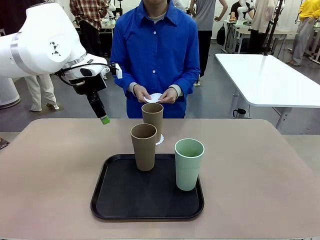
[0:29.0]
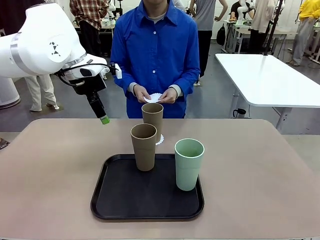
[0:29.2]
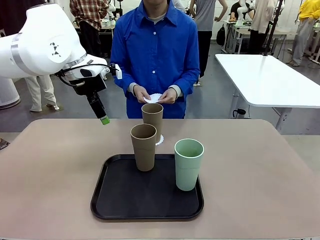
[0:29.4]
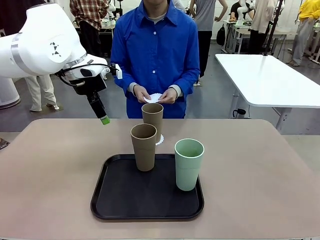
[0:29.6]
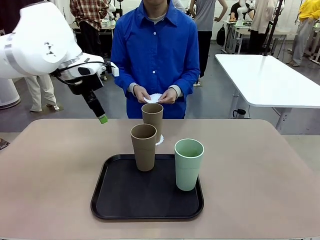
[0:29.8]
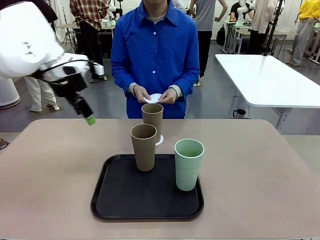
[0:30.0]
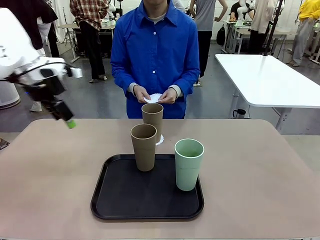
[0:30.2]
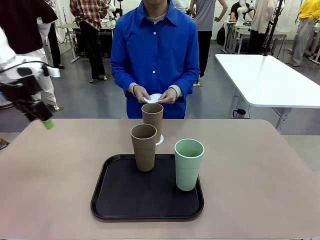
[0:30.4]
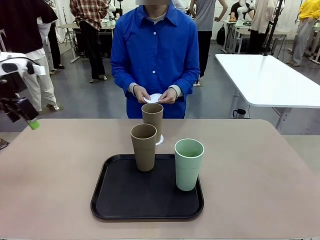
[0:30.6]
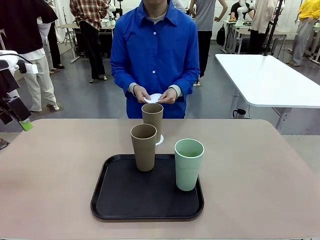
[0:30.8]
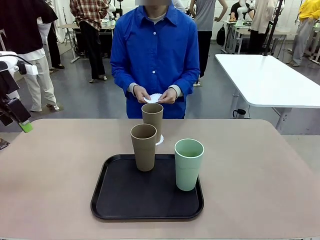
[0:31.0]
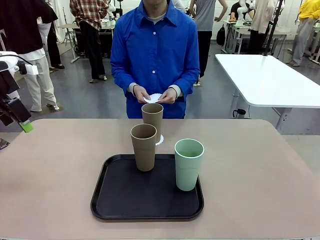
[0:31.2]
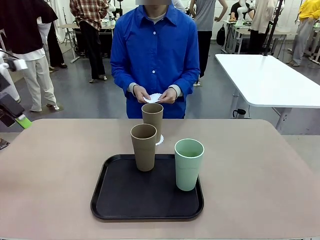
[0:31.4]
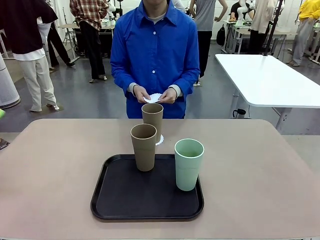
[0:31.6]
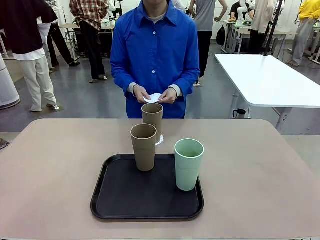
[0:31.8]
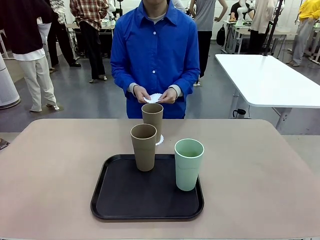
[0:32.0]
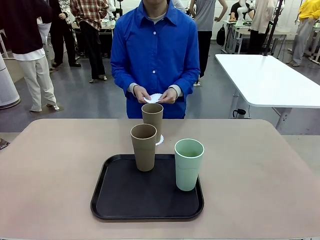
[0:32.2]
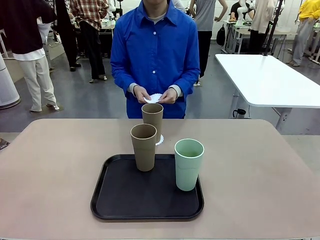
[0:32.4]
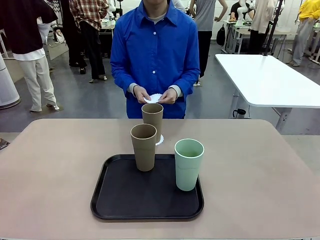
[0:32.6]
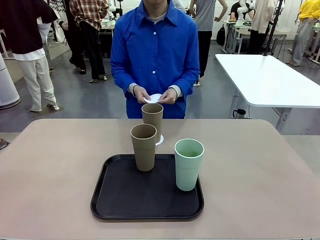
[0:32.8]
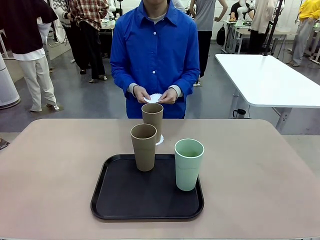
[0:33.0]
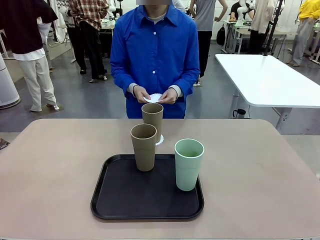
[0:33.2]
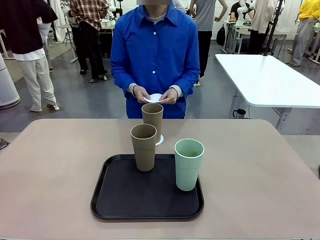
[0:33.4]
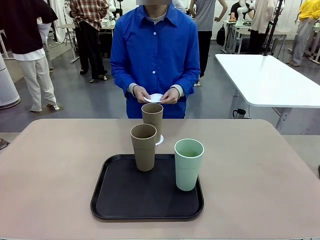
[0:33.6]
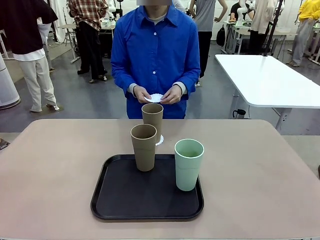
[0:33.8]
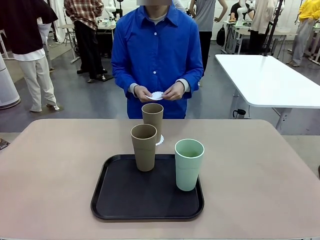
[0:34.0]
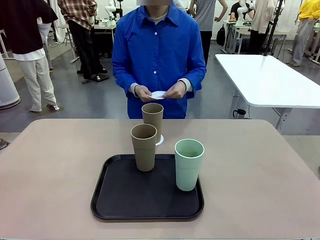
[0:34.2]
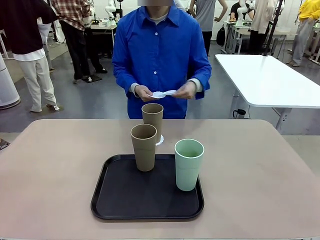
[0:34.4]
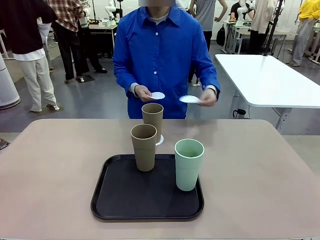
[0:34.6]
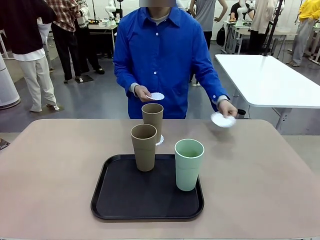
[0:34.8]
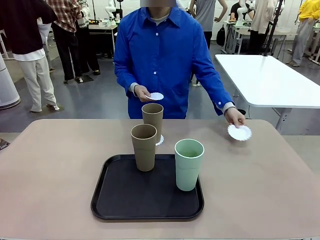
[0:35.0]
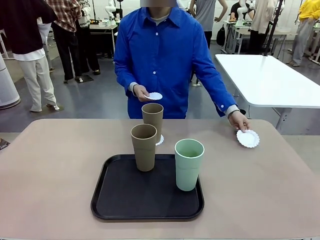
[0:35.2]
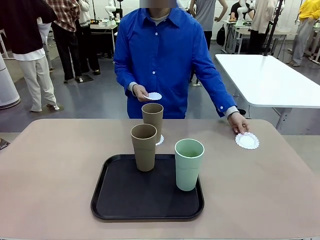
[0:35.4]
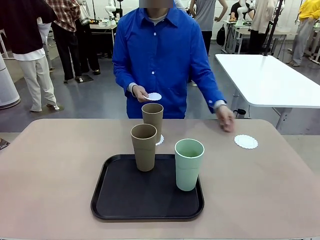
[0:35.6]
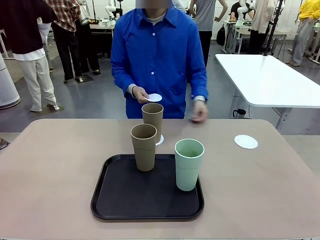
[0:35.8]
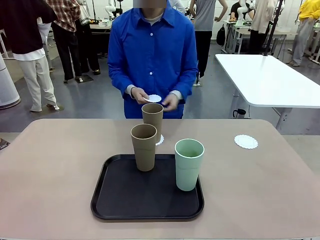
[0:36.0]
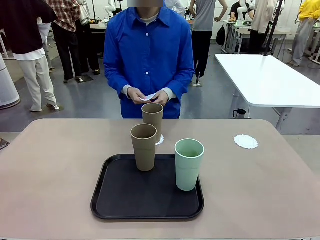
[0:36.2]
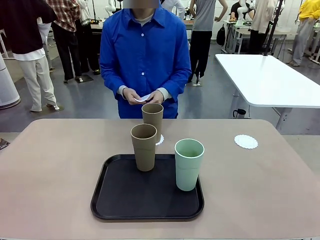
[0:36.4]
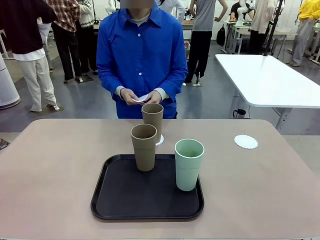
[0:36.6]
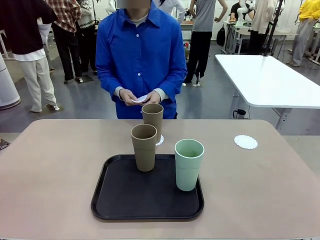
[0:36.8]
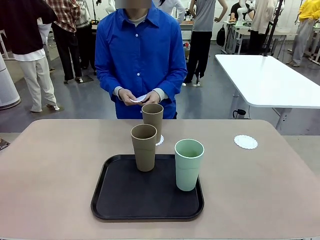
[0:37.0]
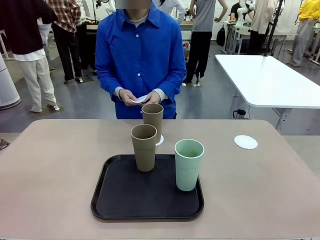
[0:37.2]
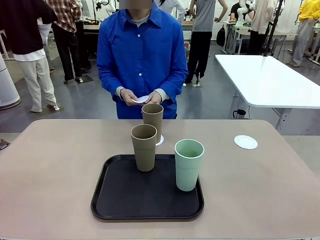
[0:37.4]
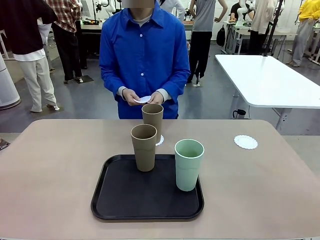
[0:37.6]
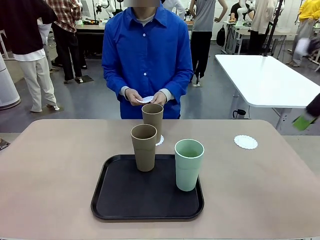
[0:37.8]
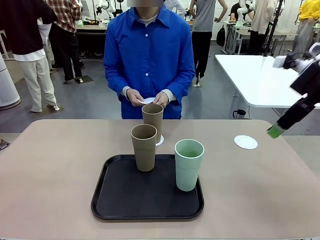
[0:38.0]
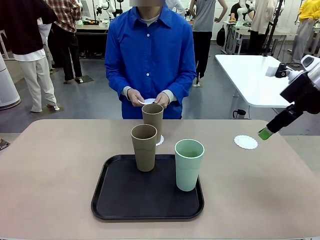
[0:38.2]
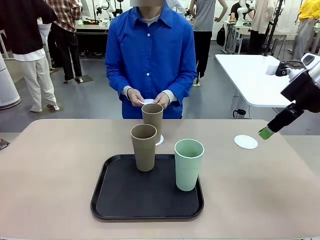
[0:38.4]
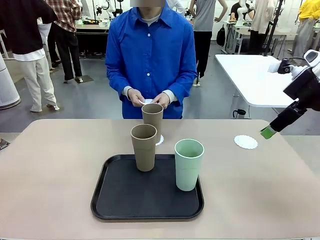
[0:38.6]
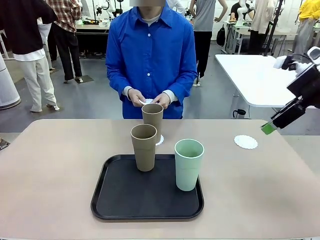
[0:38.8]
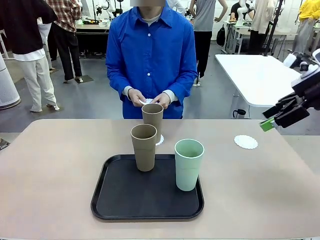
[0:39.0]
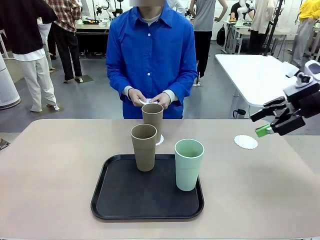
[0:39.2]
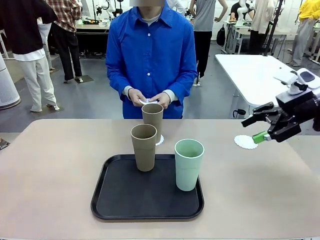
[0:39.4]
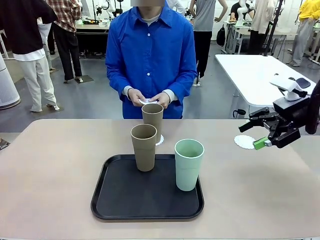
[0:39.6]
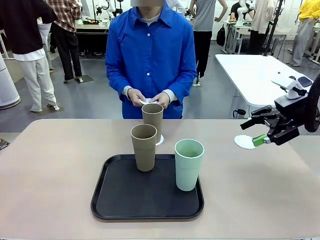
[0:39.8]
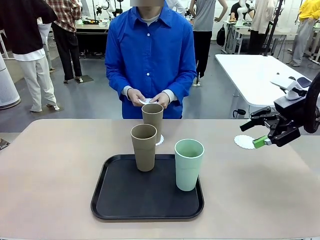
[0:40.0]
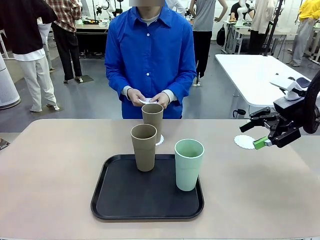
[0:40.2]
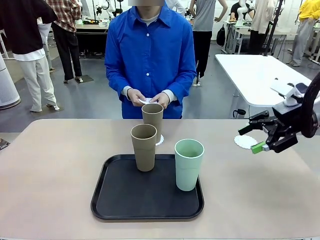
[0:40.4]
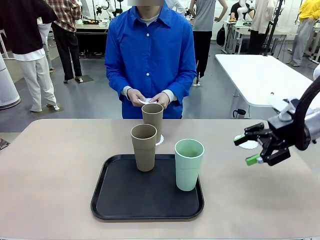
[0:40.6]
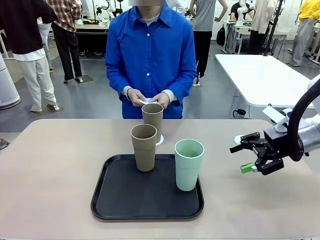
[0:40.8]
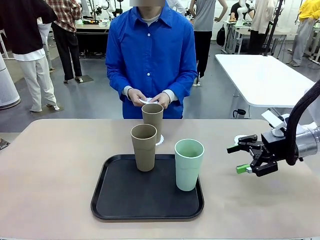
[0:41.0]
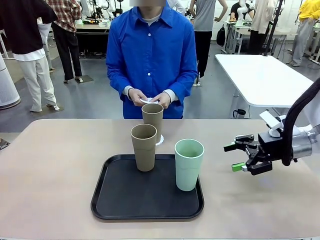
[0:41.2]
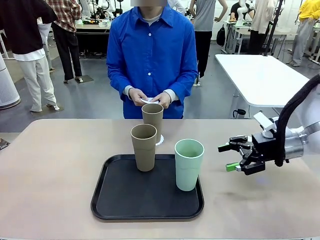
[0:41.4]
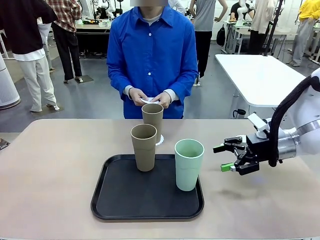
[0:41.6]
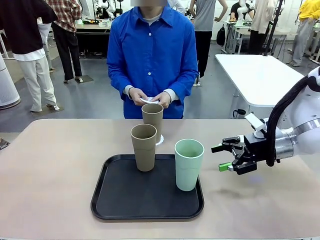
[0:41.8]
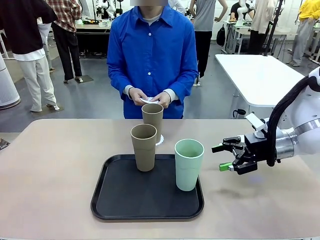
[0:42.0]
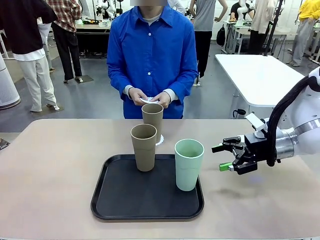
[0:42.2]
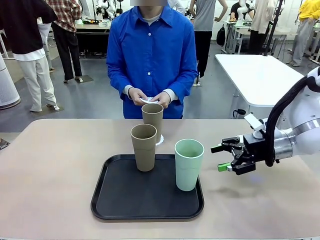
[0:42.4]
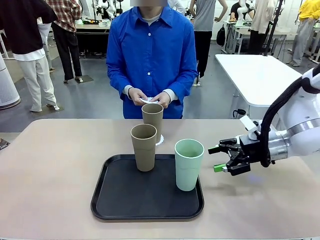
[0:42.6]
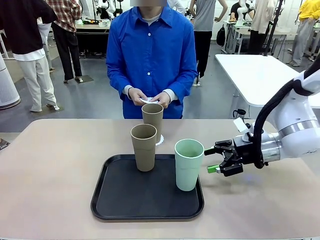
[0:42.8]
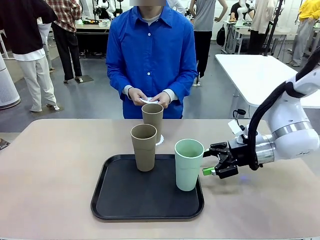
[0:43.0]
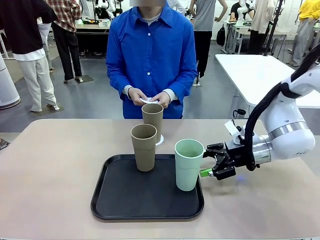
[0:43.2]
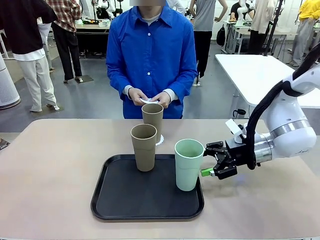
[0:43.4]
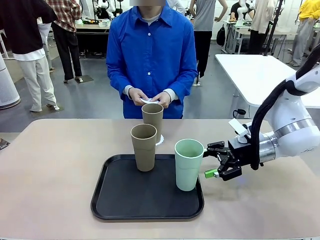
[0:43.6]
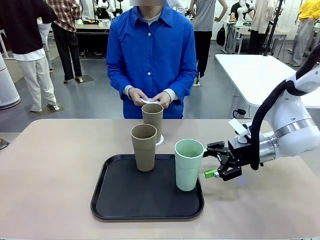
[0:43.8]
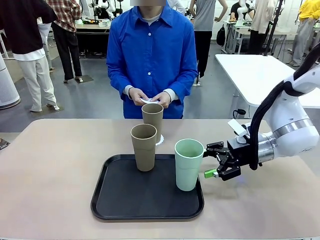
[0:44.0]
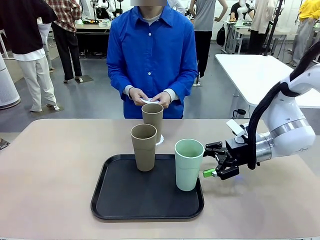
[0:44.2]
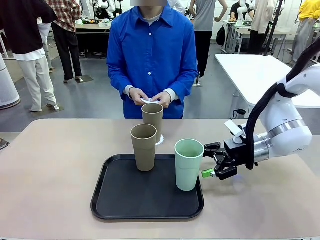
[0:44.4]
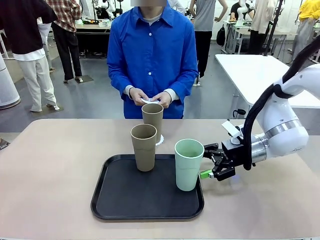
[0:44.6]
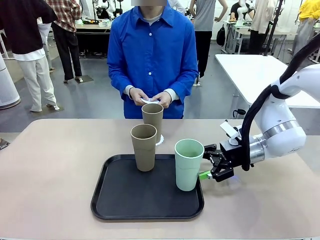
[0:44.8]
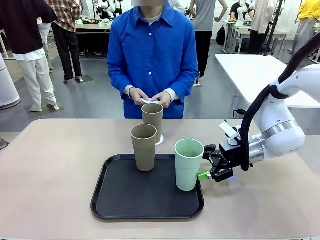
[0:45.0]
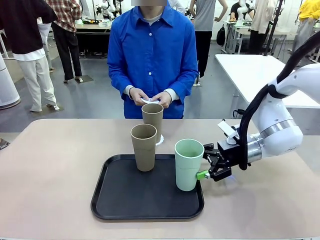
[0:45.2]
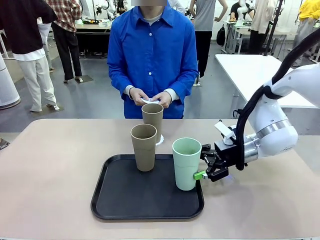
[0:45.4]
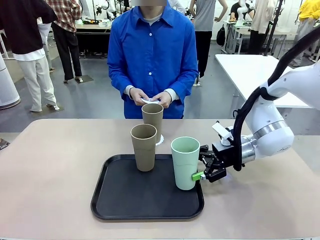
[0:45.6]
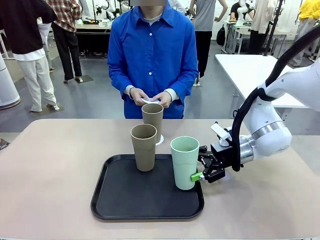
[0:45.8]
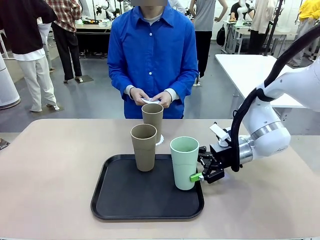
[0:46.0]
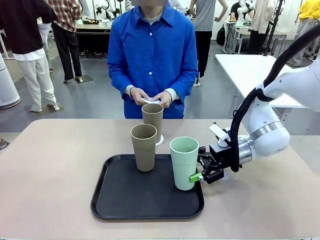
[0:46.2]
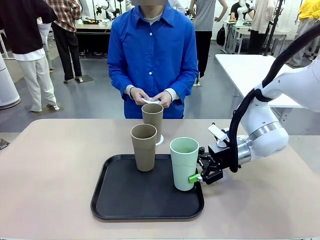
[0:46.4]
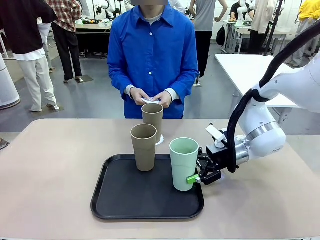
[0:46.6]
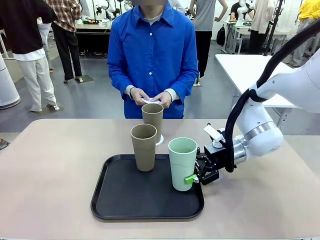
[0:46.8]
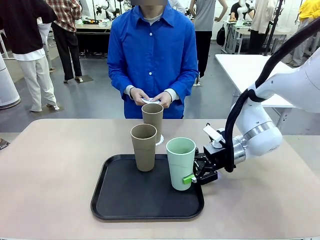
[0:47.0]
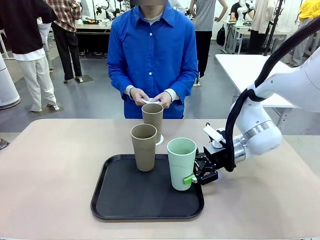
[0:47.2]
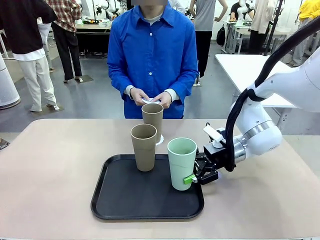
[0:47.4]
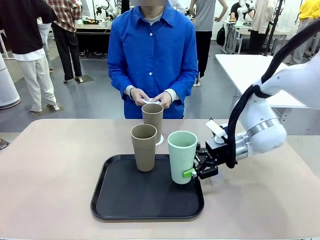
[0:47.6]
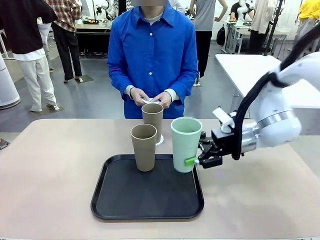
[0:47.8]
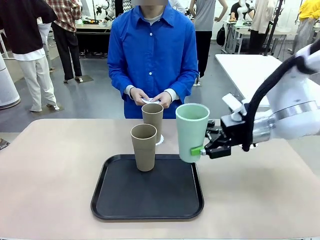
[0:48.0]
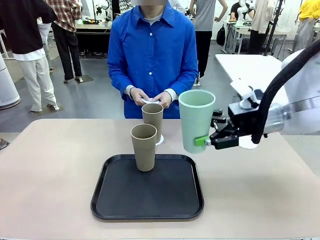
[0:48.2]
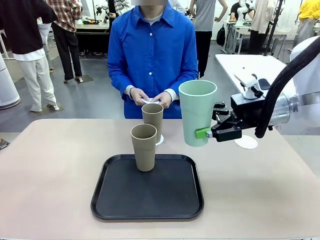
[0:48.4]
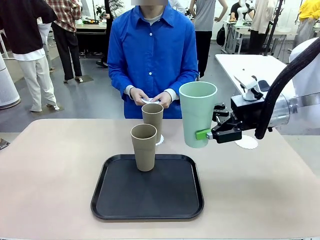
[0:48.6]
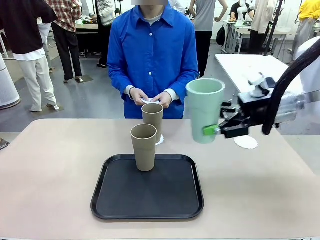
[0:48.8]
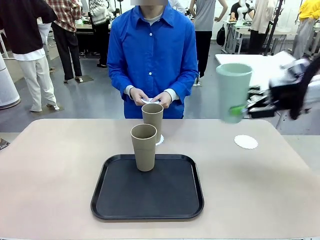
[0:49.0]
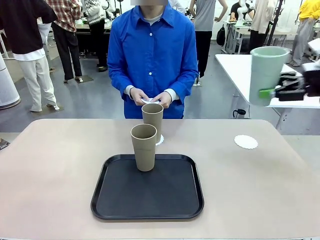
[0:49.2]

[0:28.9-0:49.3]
Task: Place coasters on the table and set cups on them.
Robot: Take one Reusable plastic cup from the Flat Tray and place it on a coaster set by the human.
